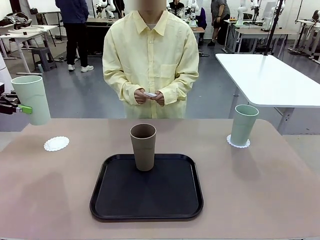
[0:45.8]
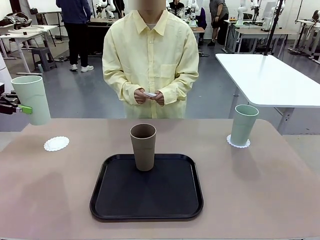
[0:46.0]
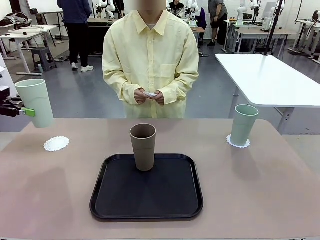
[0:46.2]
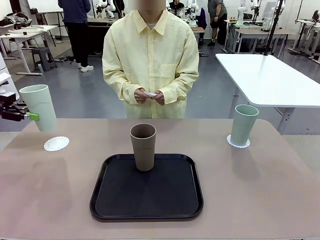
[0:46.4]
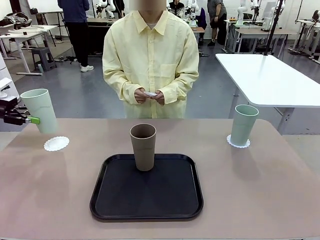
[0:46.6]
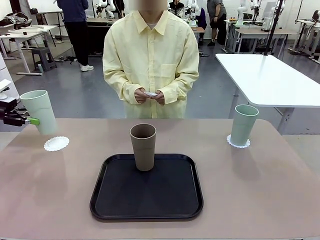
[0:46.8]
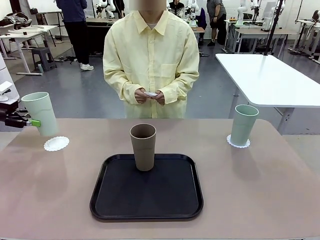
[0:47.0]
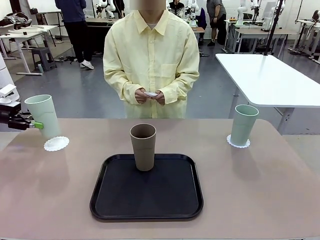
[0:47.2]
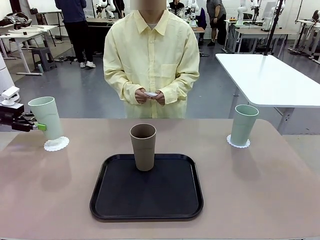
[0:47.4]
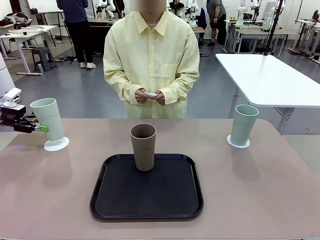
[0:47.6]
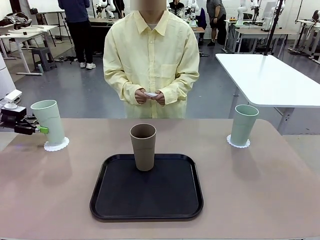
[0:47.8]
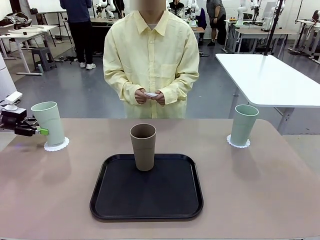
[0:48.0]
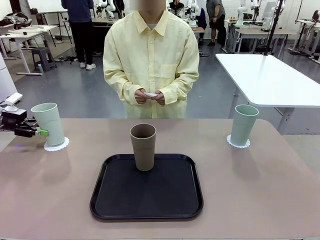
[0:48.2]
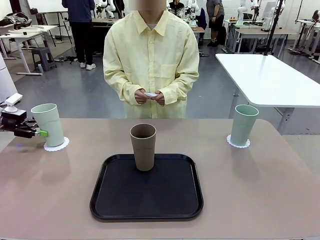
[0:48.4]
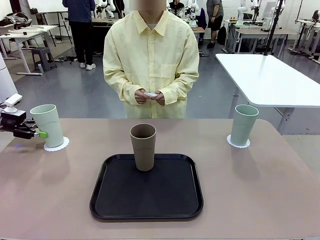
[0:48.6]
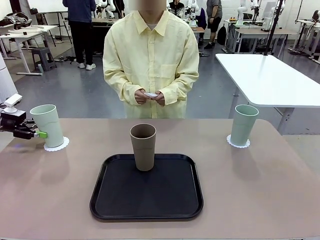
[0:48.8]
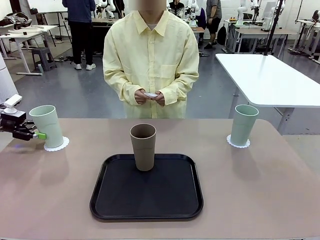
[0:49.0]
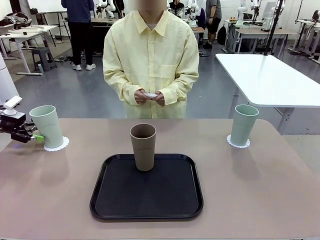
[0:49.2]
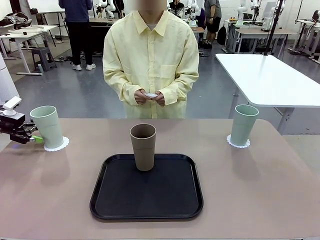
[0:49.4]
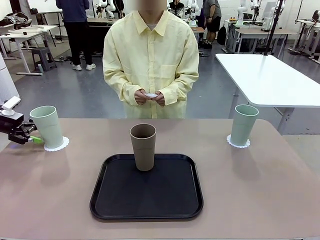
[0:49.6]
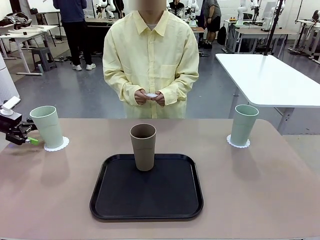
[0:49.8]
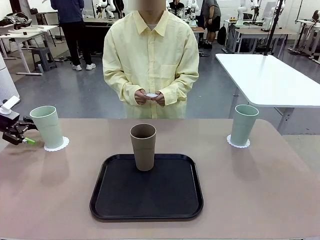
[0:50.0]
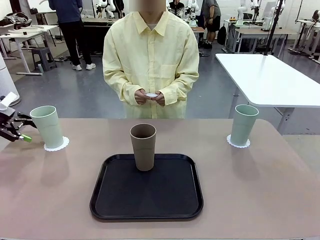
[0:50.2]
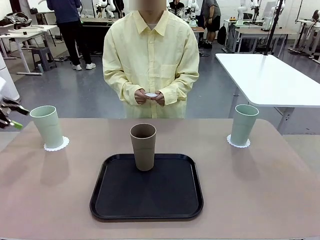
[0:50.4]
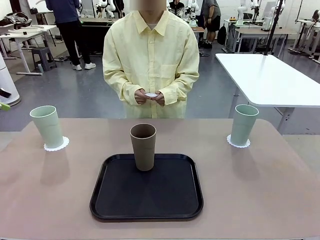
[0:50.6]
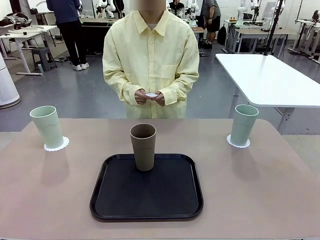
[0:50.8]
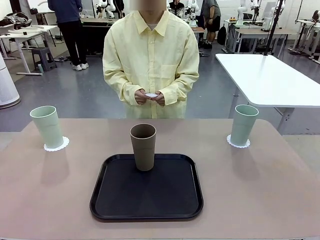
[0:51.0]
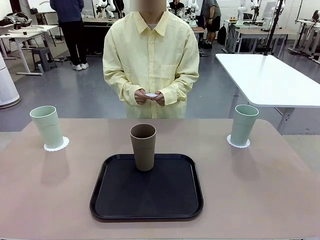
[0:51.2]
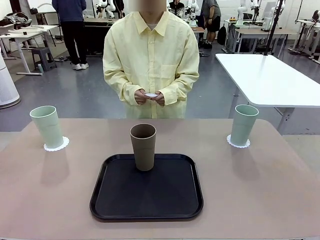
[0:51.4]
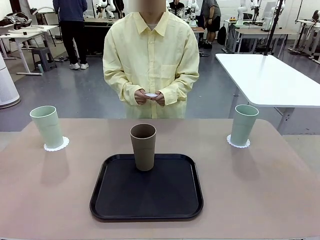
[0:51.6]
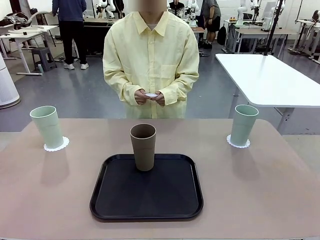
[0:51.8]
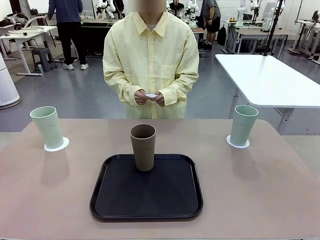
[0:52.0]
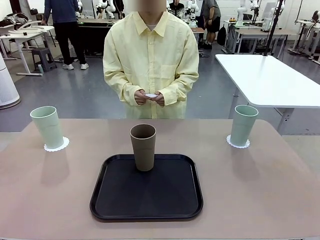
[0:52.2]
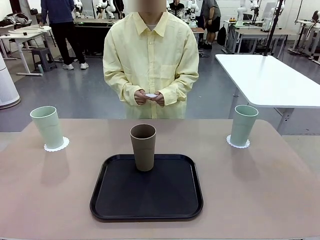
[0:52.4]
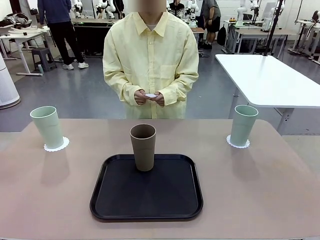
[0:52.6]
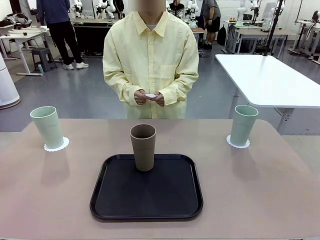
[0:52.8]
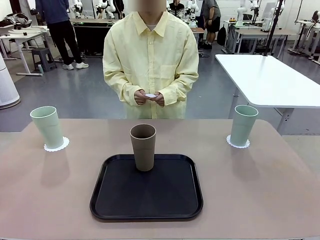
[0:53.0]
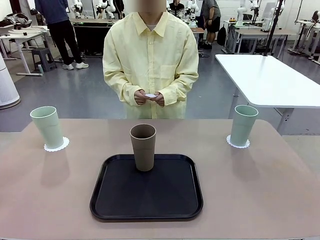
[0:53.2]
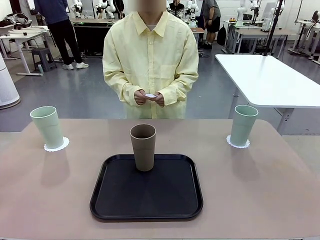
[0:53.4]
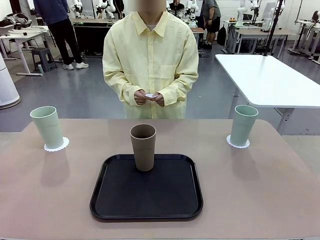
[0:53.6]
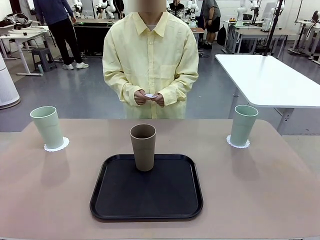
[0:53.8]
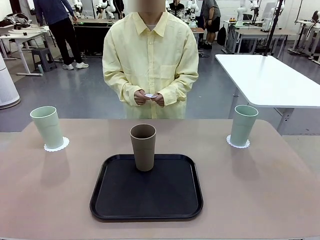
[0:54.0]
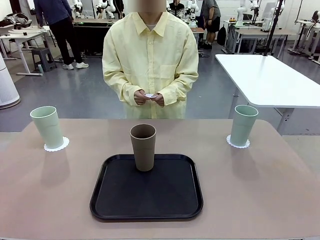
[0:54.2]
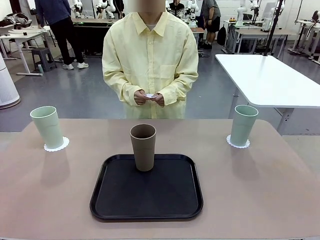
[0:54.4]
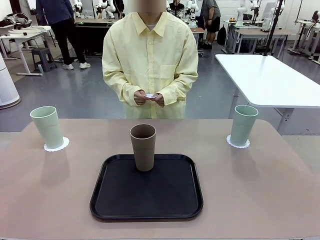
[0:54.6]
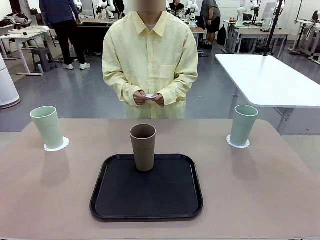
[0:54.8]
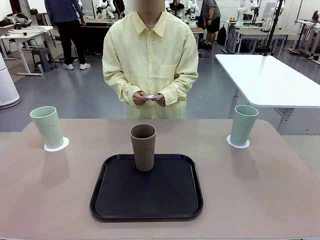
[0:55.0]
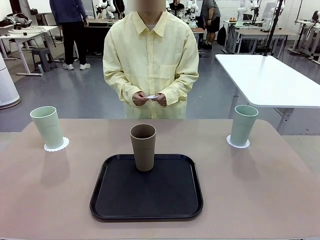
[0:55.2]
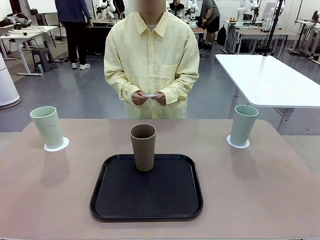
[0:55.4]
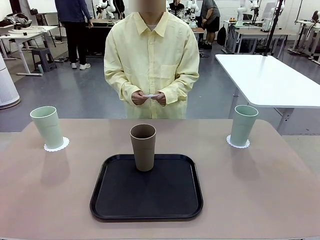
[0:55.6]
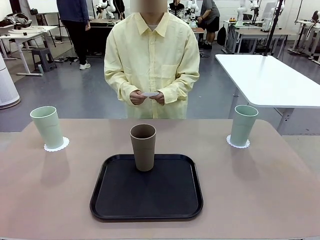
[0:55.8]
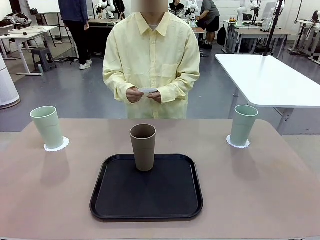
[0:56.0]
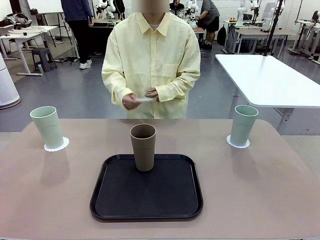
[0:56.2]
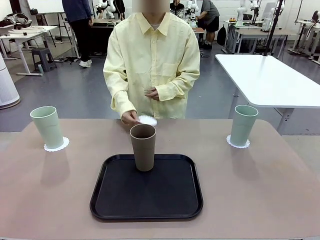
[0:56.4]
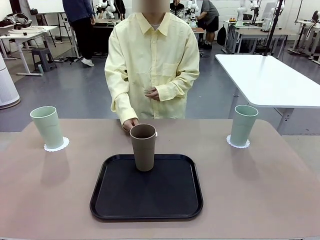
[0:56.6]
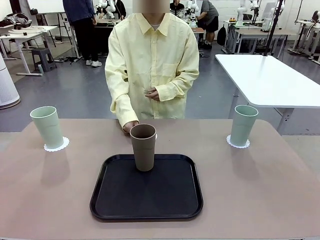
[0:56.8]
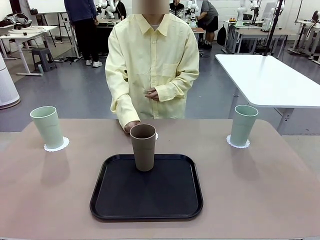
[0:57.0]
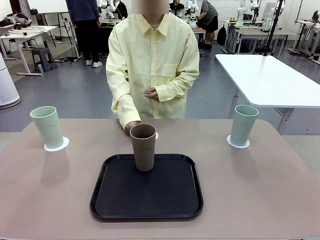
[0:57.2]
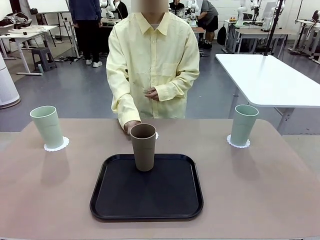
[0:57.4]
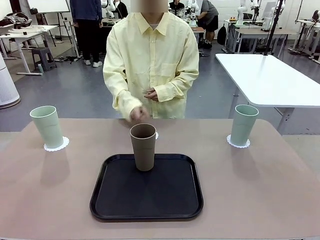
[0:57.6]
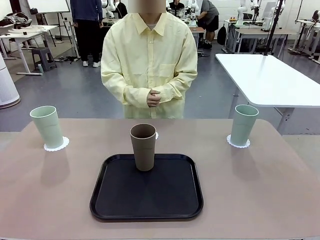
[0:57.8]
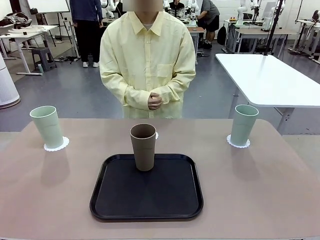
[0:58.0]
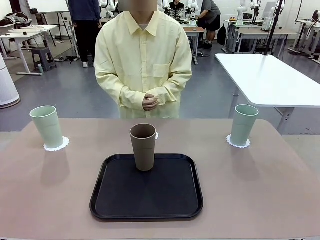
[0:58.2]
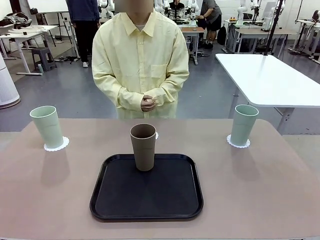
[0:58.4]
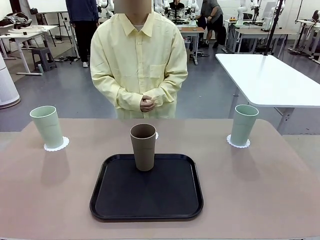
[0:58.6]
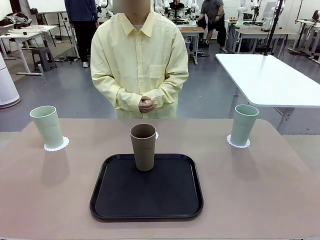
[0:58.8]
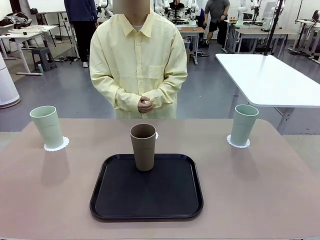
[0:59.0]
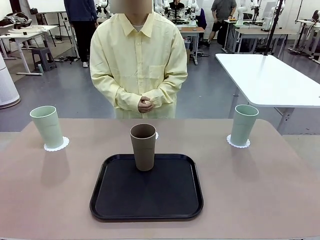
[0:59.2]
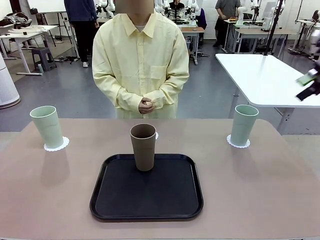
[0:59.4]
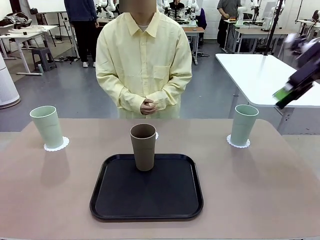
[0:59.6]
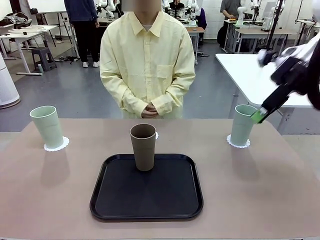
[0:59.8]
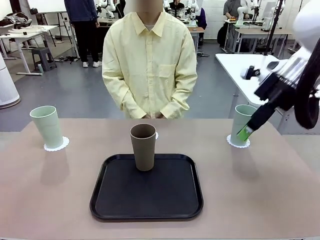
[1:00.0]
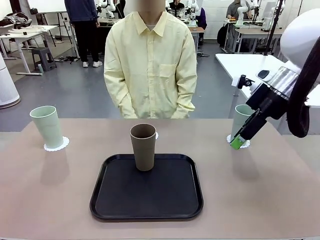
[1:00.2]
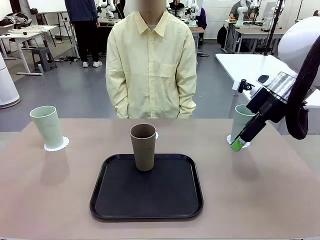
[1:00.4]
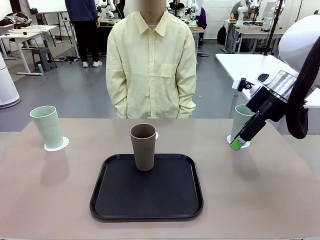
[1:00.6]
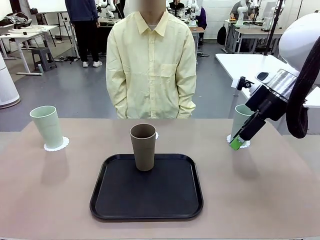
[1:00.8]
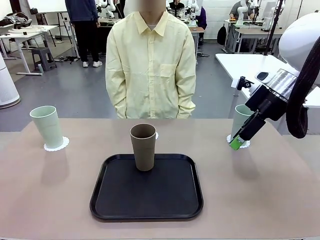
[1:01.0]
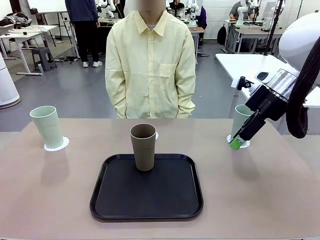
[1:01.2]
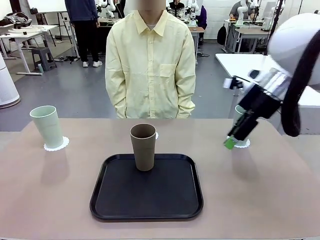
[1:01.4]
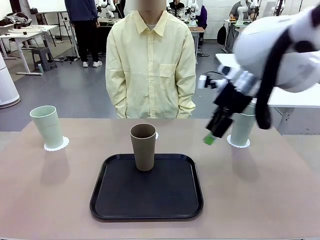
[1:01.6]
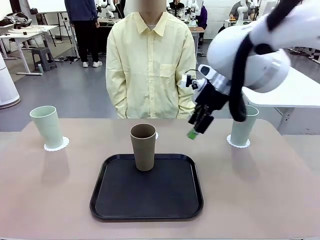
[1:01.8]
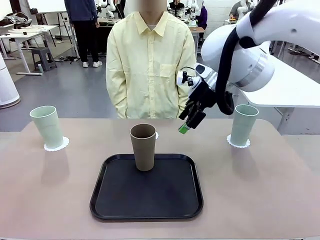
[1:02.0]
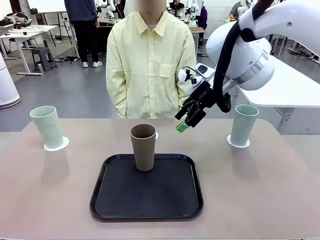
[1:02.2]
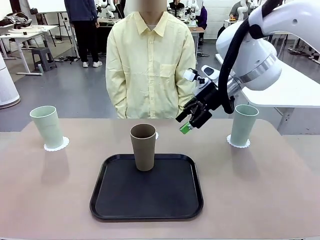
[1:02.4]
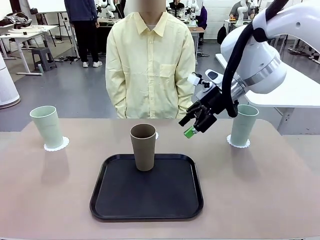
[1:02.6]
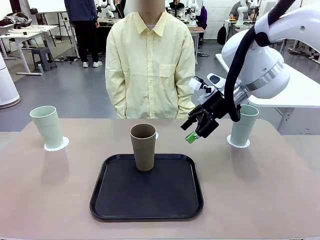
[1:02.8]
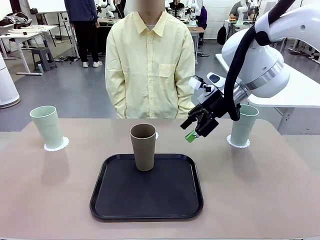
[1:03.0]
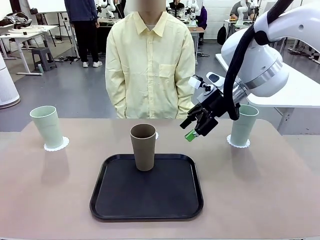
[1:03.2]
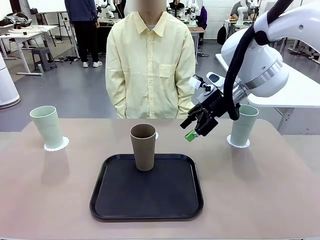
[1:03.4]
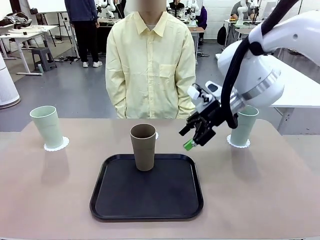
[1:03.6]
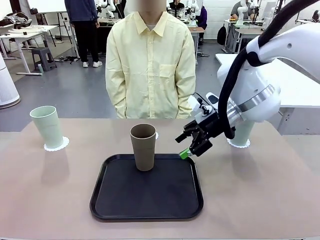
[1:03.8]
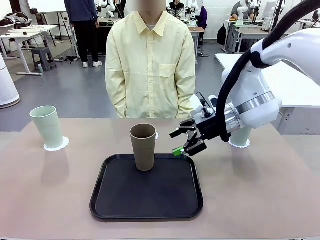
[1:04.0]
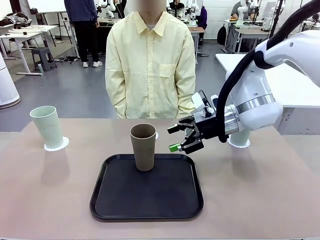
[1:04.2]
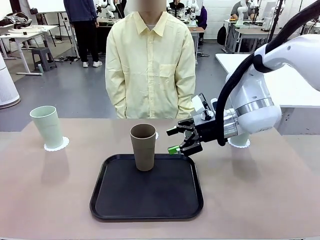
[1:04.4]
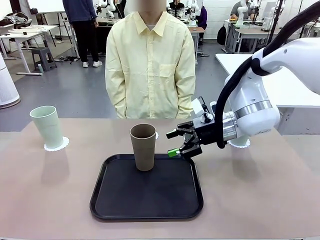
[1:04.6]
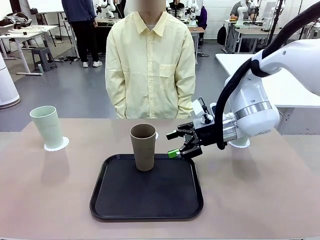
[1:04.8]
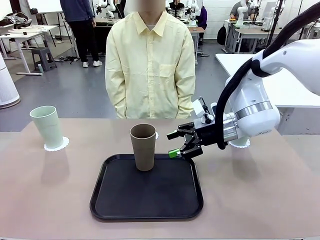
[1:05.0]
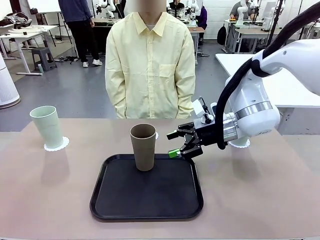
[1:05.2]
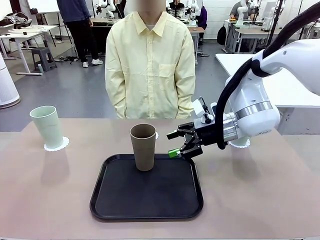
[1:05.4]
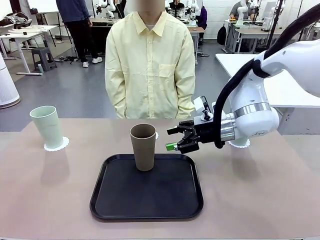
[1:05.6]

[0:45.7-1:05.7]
Task: Place coasters on the table and set cups on them.
Robot: Take one Reusable plastic cup from the Flat Tray and place it on a coaster set by the human.
